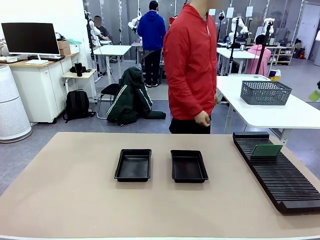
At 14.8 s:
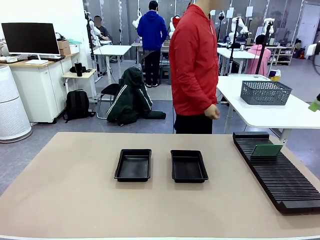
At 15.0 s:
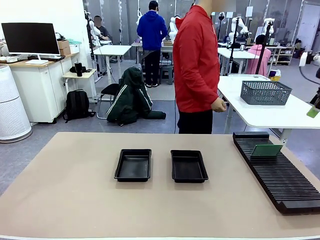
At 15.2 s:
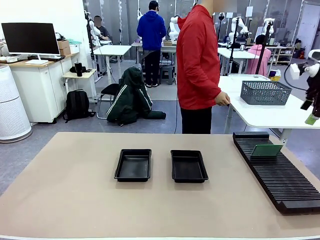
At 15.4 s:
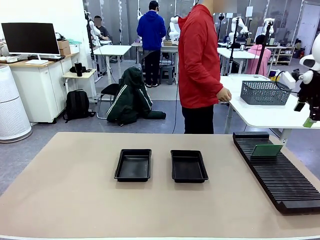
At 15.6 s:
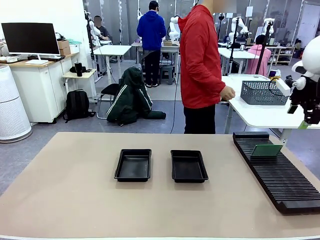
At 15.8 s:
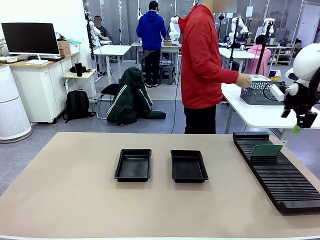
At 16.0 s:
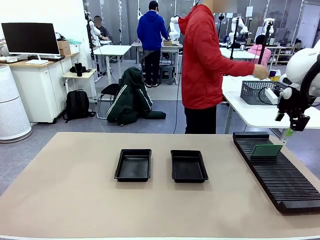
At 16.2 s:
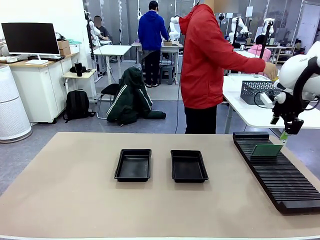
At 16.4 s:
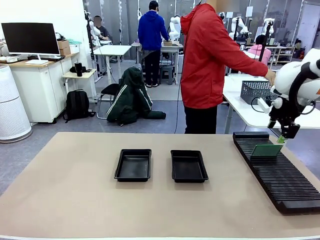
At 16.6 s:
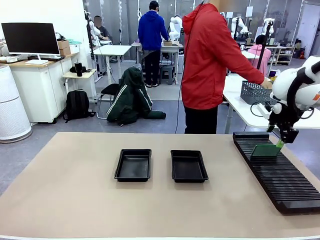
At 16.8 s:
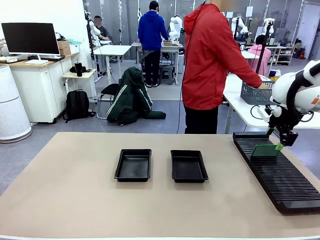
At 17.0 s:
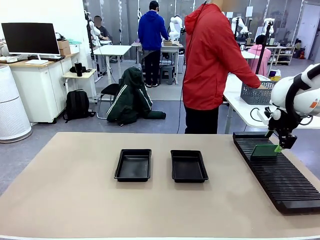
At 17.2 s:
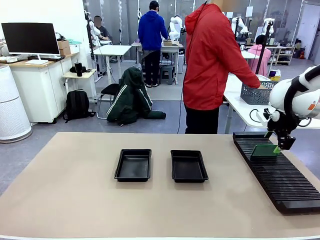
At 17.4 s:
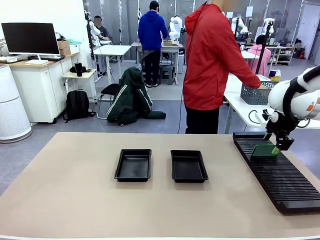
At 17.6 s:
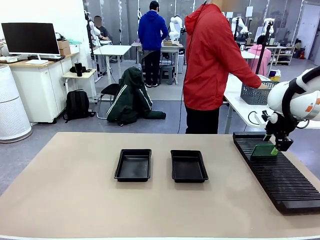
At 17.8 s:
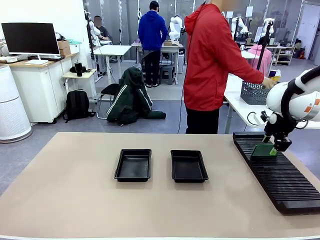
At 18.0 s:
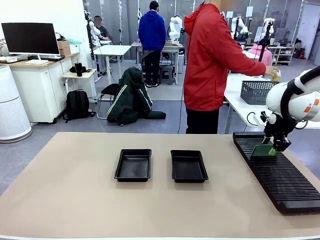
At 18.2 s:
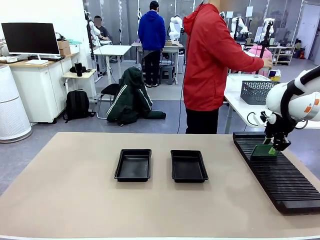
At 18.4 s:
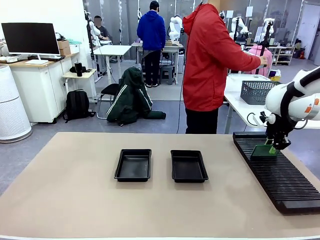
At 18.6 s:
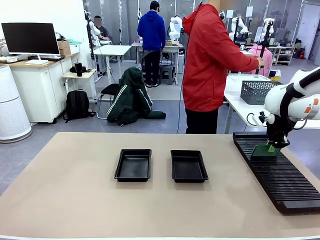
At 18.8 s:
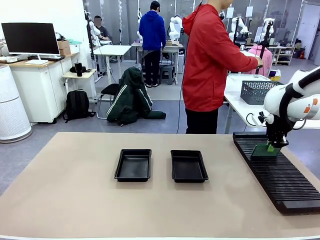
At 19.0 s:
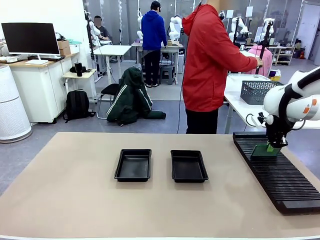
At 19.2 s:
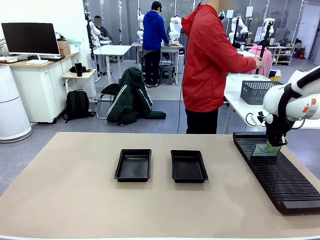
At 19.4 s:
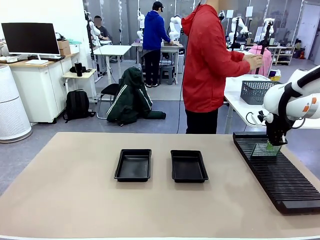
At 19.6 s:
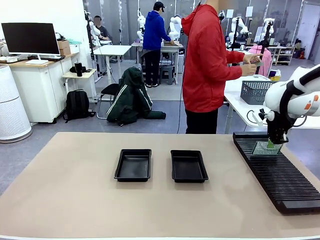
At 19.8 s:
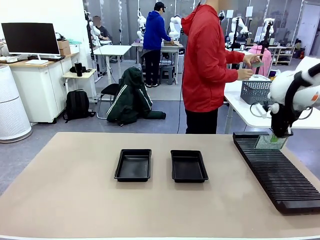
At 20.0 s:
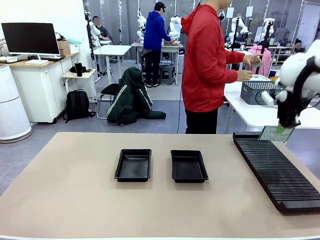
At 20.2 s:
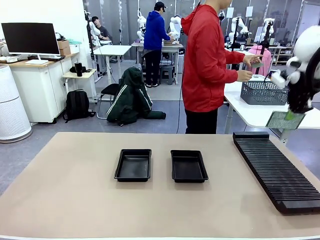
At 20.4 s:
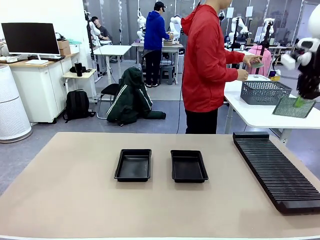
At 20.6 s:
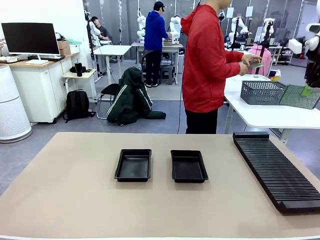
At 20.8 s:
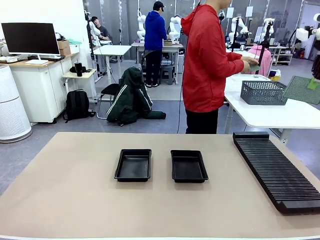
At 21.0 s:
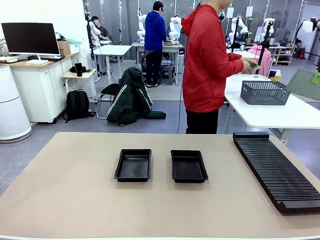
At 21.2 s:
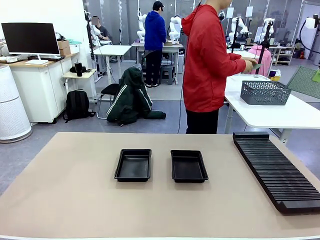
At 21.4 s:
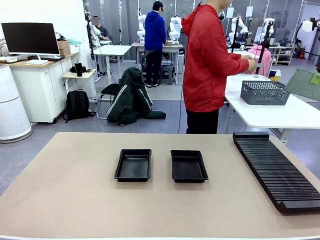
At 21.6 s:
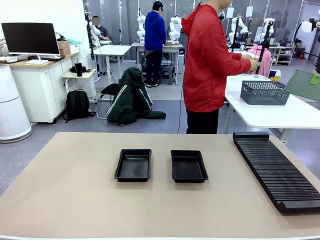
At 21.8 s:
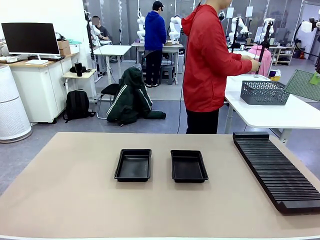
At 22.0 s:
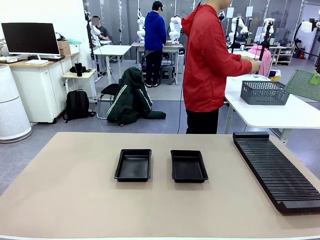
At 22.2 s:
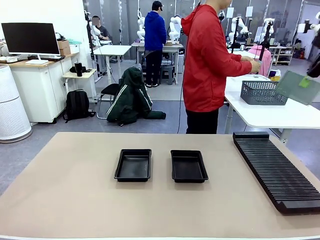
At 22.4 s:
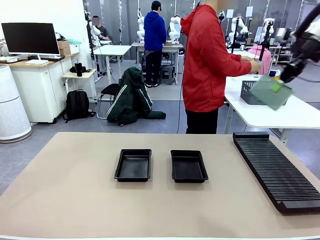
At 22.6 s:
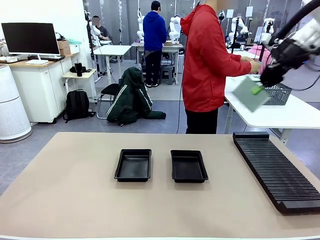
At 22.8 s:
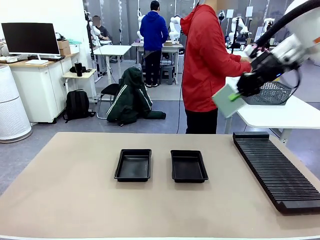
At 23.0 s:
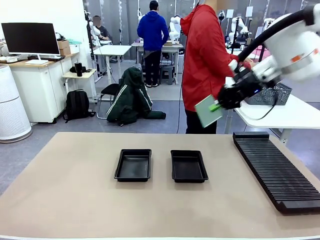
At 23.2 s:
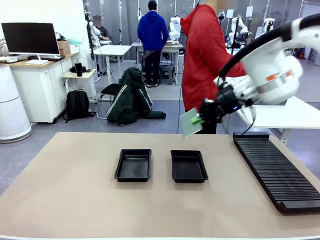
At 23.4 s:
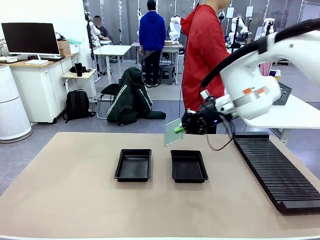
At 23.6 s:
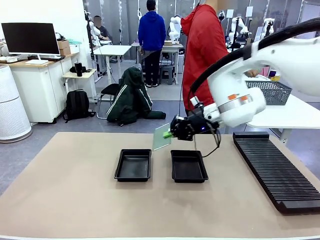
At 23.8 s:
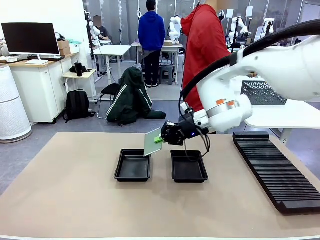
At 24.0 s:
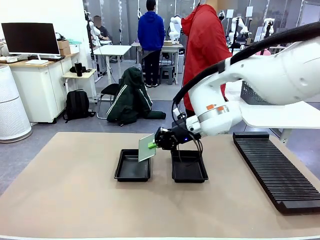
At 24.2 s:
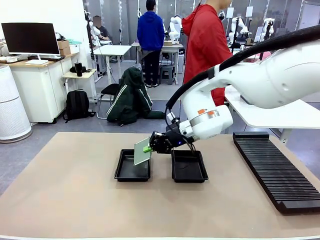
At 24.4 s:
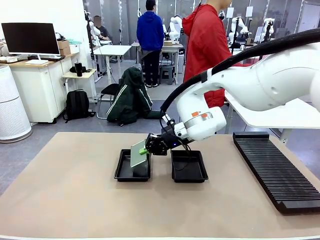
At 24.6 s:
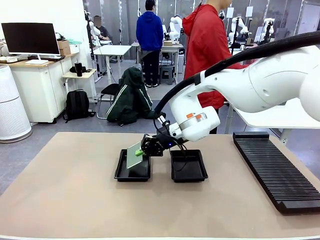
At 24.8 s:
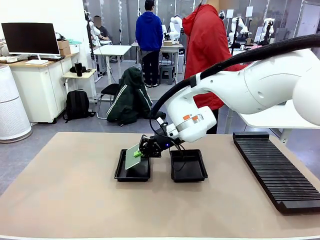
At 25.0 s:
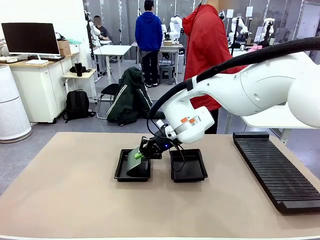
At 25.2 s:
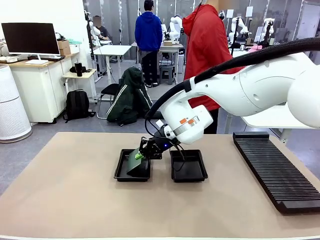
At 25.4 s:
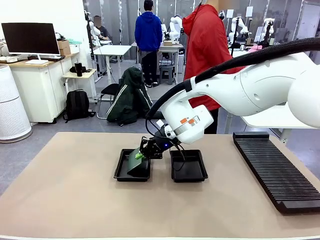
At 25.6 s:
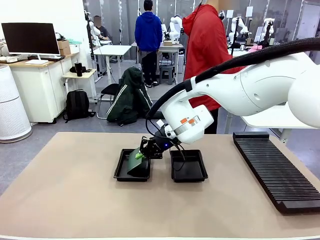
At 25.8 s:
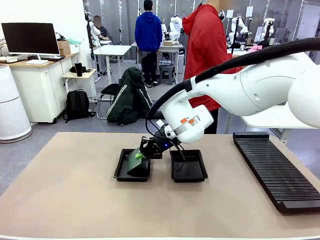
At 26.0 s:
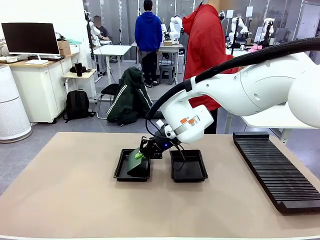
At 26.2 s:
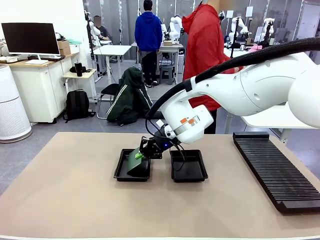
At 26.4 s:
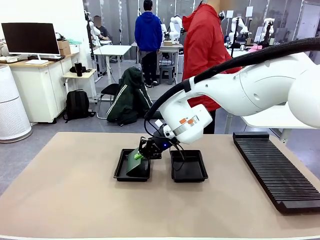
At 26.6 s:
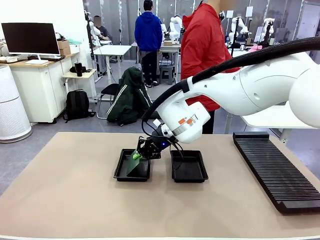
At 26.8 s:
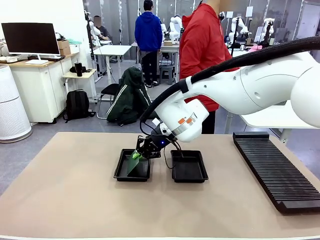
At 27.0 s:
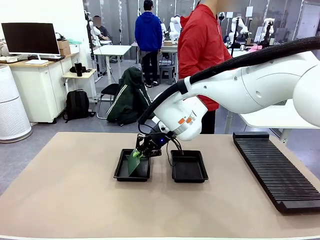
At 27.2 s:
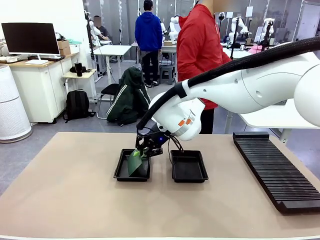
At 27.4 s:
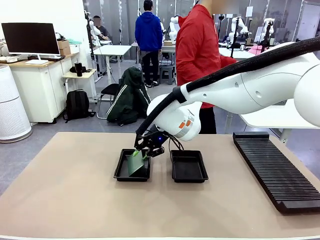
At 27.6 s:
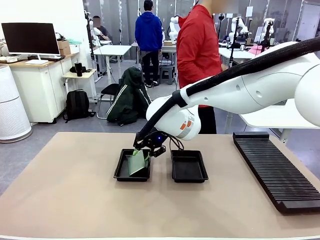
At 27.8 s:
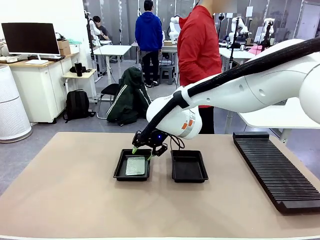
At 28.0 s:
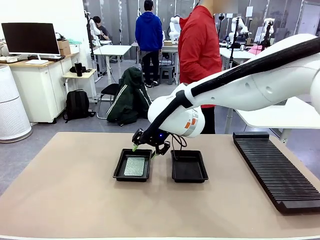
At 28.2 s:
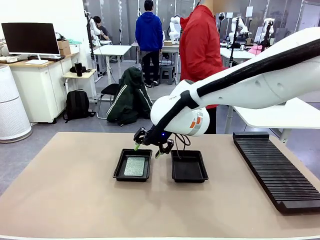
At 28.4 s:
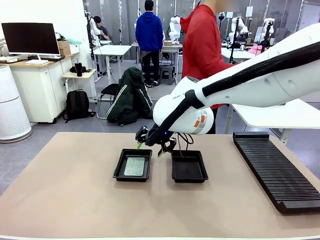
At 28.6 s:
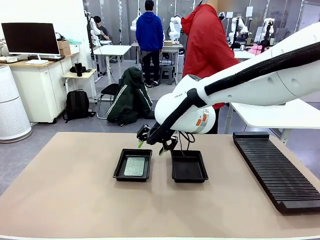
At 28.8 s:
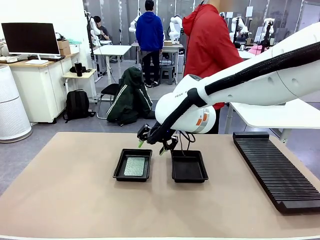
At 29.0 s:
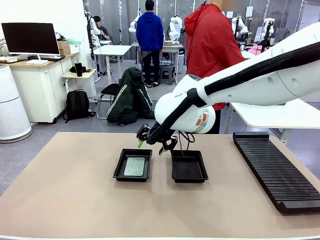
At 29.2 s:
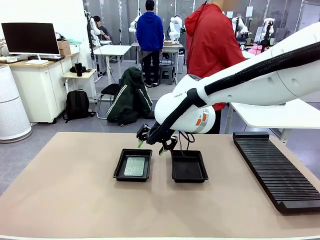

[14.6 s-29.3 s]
Task: Inspect and transfer BCBs to ESD trays.
Robot: Pick up the Blank PCB from the PCB Rack and place it in the left ESD tray.

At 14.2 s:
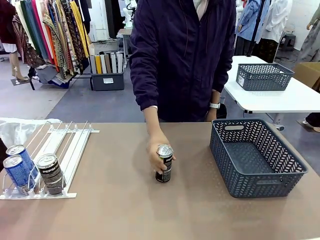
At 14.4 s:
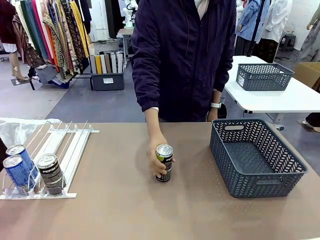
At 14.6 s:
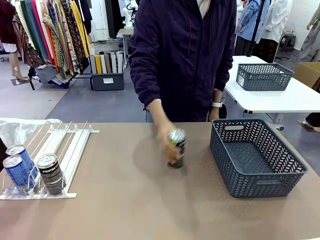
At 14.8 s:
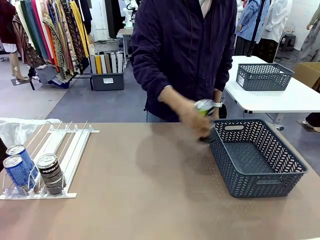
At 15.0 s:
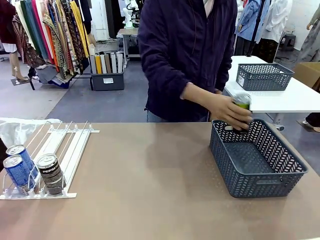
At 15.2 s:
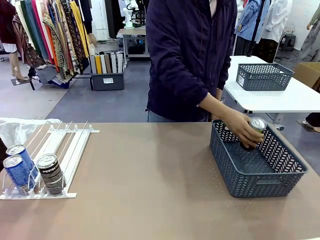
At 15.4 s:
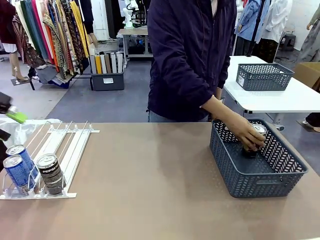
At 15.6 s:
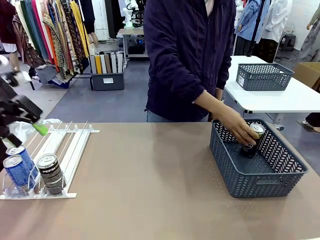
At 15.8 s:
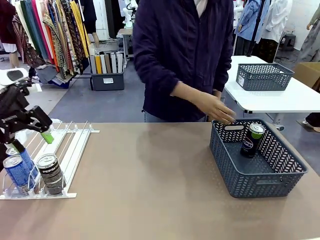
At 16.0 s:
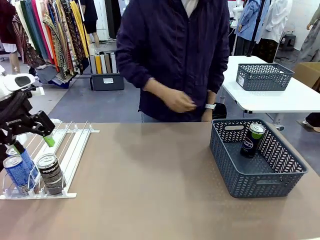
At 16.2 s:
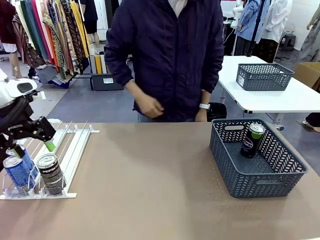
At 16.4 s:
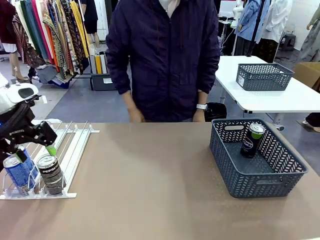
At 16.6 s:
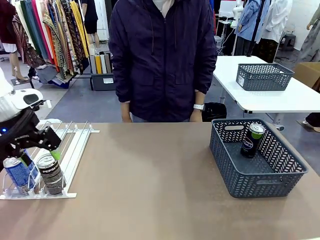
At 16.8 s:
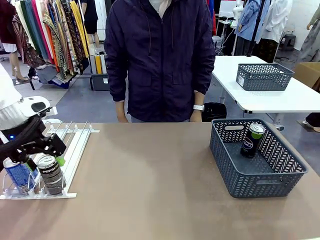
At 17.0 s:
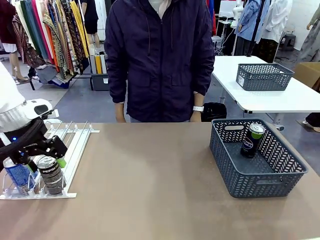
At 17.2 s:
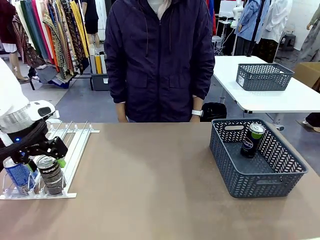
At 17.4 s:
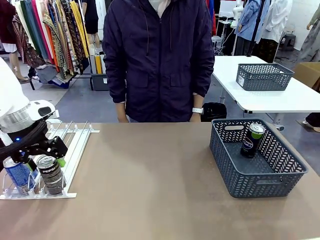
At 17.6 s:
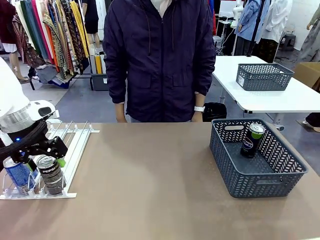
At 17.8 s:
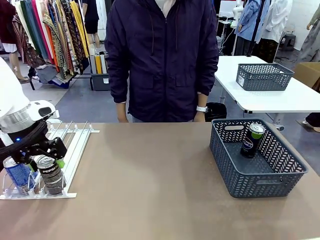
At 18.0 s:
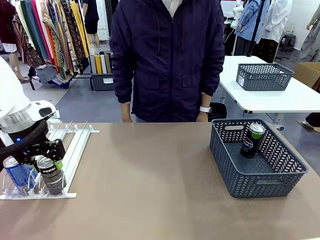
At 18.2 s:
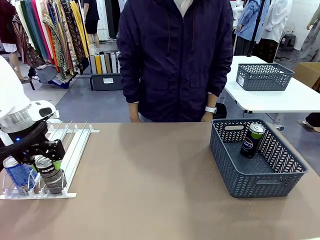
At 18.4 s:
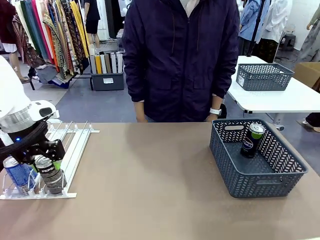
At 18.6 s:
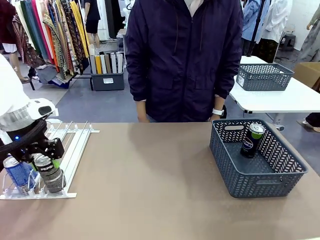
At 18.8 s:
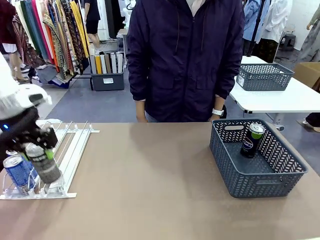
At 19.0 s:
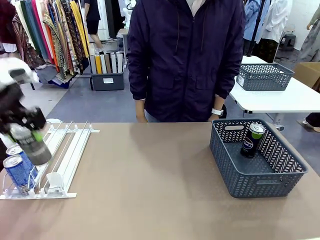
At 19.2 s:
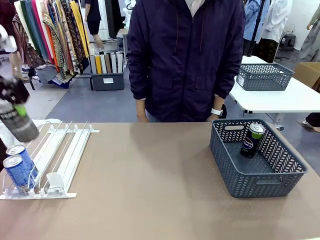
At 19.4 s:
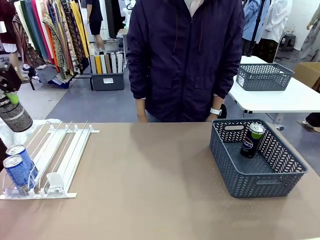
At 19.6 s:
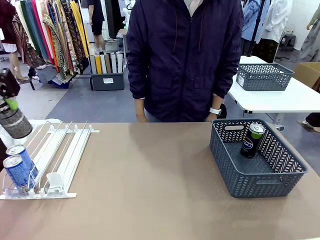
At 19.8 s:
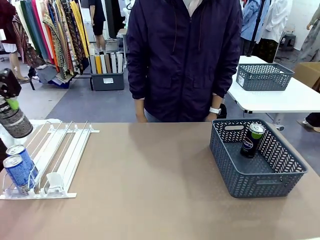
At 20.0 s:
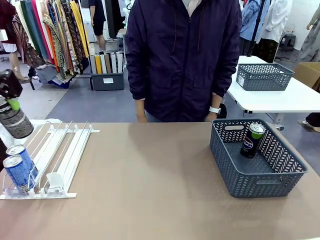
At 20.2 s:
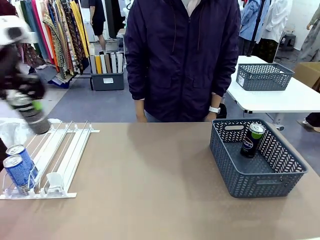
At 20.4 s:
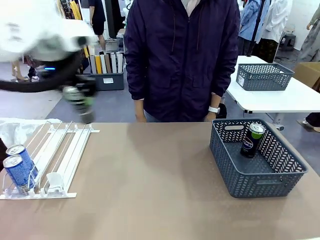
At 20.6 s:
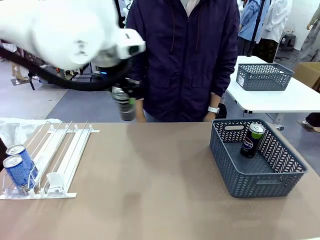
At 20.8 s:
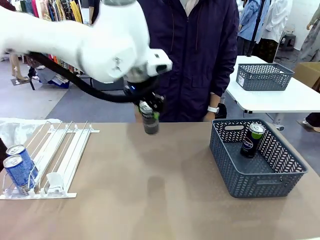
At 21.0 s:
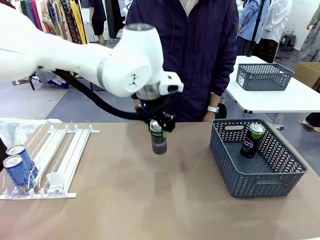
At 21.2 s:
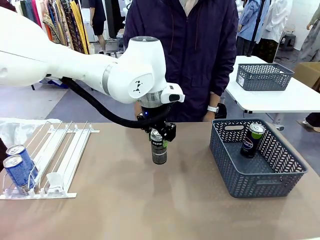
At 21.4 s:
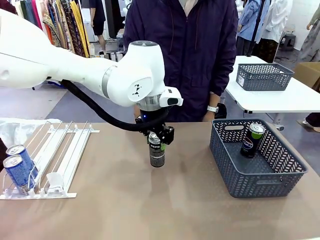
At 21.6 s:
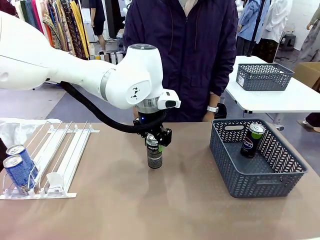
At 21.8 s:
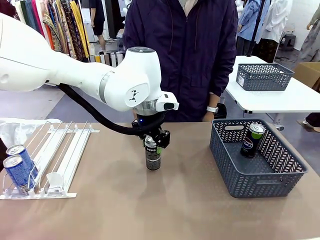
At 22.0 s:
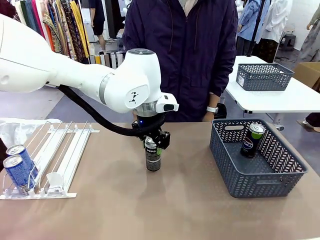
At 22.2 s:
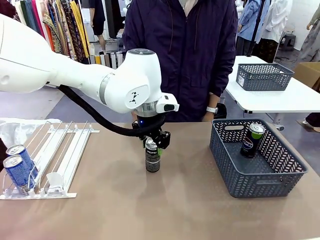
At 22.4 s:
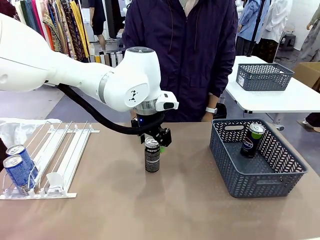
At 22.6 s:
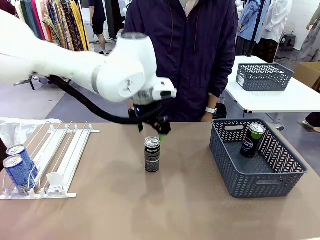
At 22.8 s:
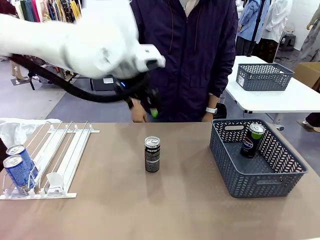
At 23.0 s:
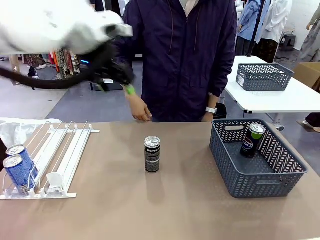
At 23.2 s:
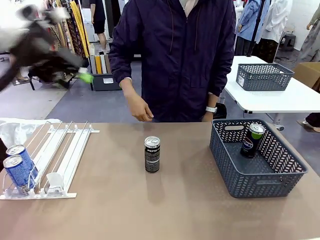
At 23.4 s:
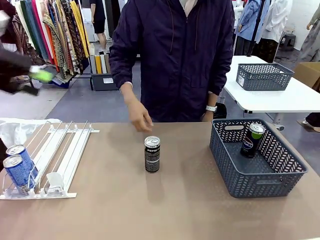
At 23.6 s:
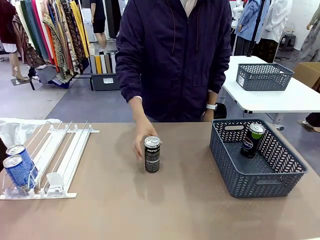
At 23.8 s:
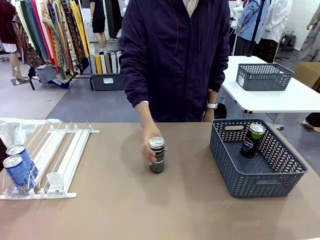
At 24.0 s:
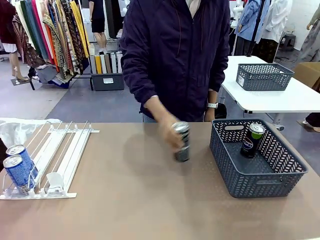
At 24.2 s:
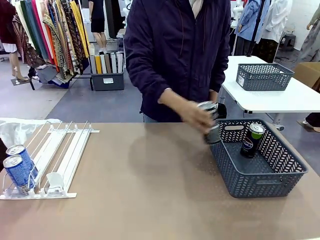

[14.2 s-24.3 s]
Task: Retrieve and store the cans from the dispenser.
Robot: Pick up the last remaining can from one row of the Automatic Can Dispenser and place it in the middle of the table.
Person: Pick up one Pepsi can from the middle of the robot table and place it in the basket.
